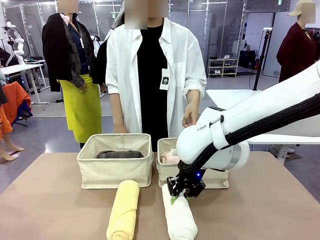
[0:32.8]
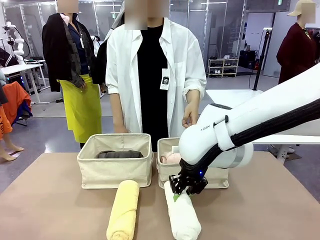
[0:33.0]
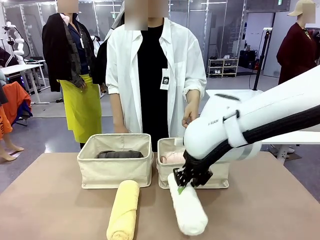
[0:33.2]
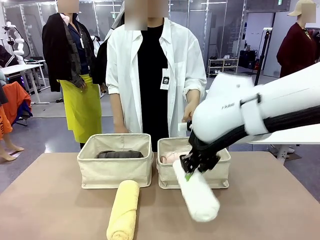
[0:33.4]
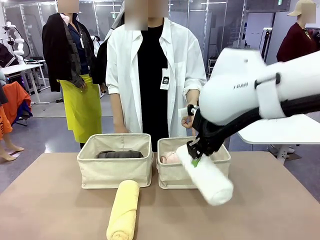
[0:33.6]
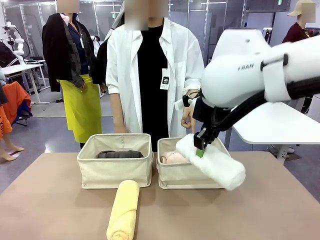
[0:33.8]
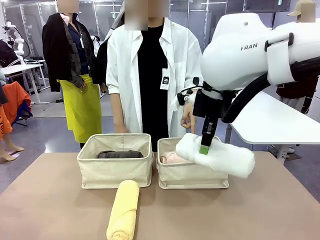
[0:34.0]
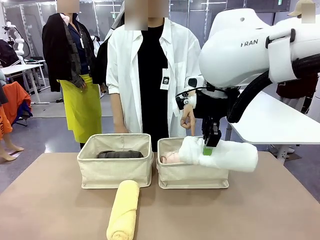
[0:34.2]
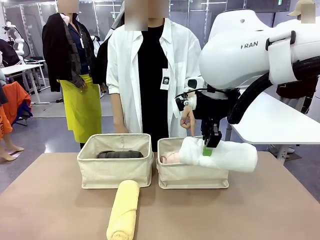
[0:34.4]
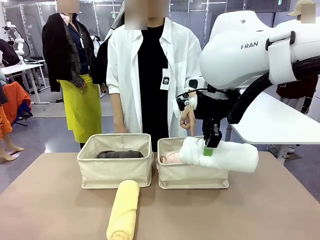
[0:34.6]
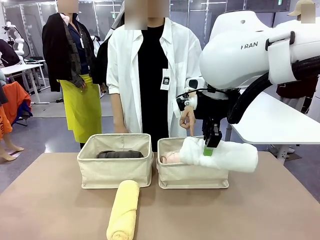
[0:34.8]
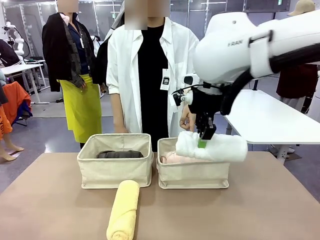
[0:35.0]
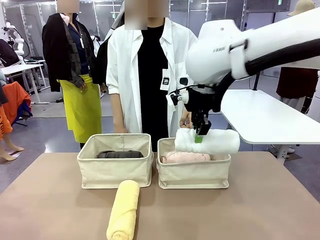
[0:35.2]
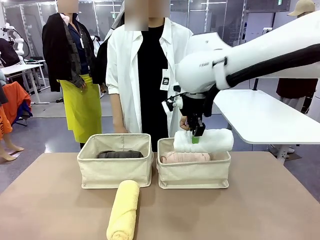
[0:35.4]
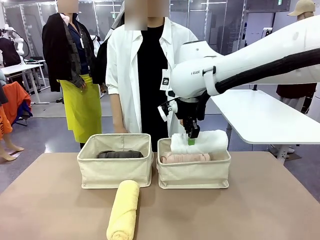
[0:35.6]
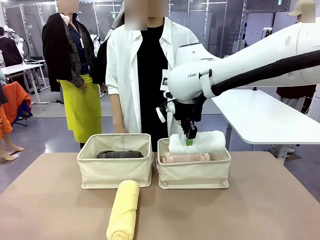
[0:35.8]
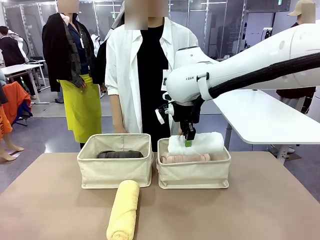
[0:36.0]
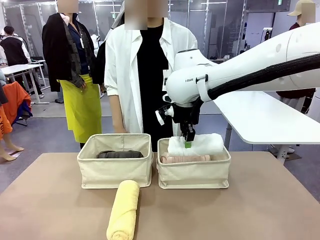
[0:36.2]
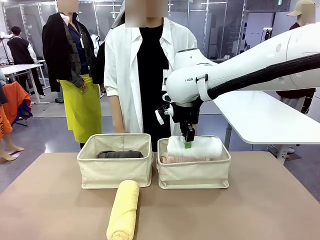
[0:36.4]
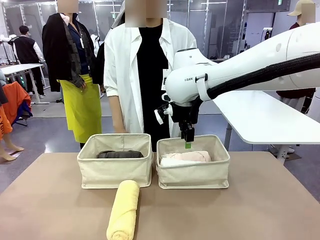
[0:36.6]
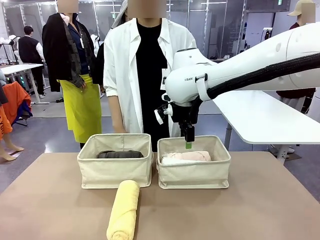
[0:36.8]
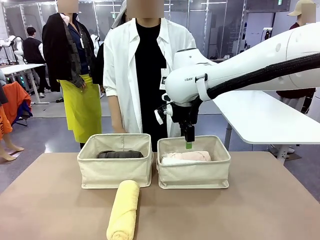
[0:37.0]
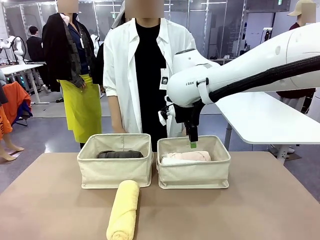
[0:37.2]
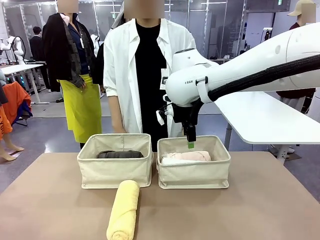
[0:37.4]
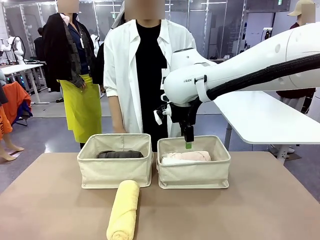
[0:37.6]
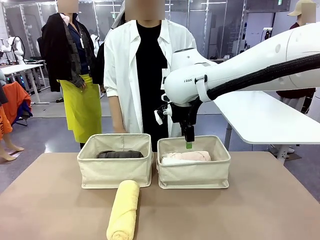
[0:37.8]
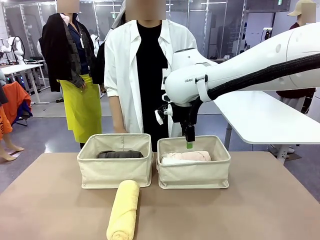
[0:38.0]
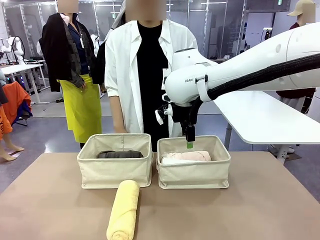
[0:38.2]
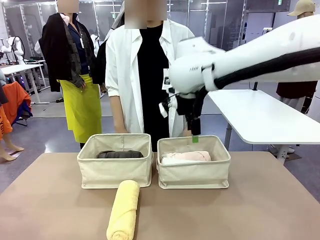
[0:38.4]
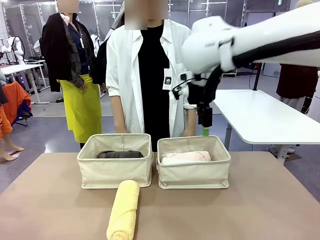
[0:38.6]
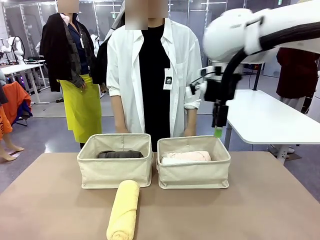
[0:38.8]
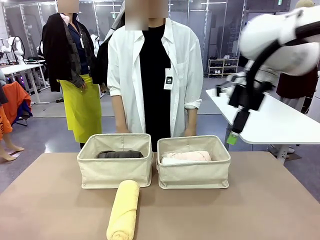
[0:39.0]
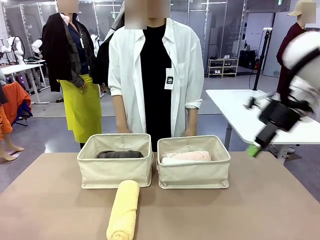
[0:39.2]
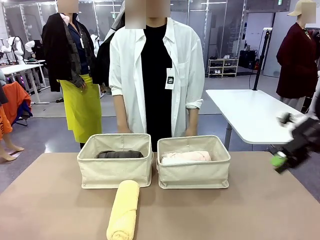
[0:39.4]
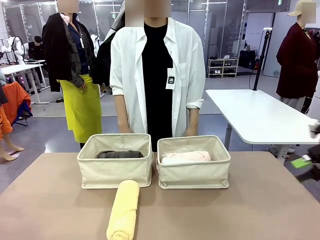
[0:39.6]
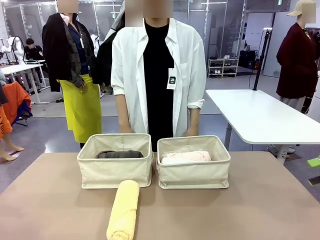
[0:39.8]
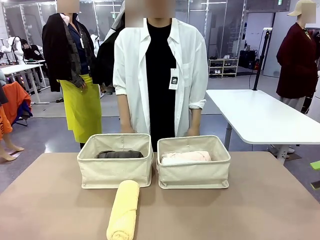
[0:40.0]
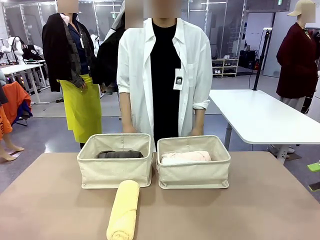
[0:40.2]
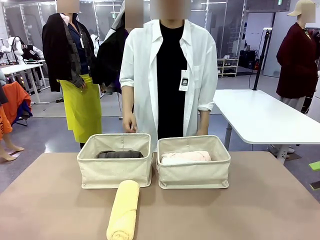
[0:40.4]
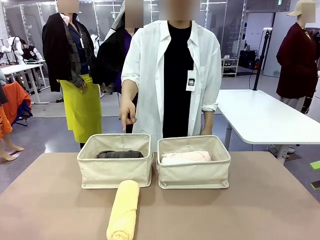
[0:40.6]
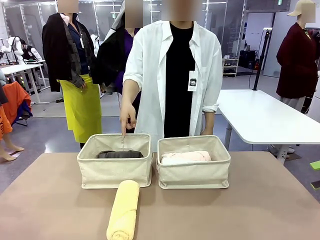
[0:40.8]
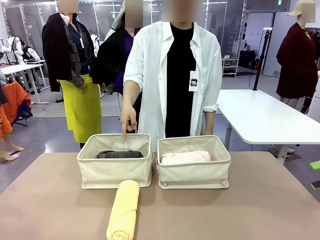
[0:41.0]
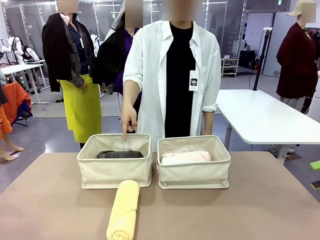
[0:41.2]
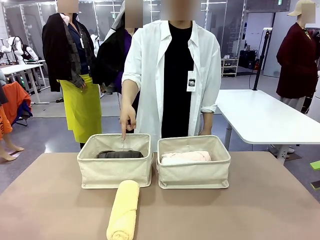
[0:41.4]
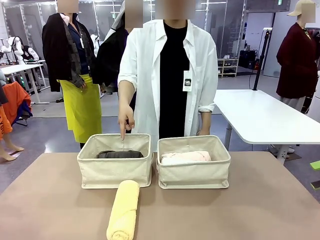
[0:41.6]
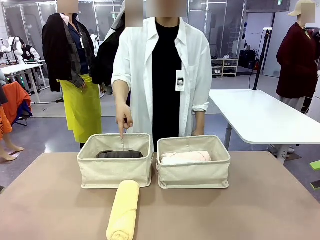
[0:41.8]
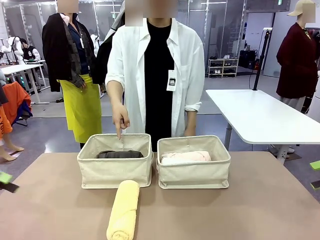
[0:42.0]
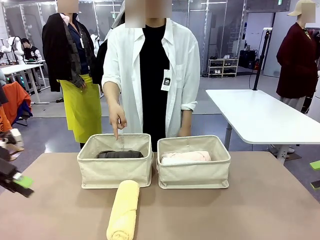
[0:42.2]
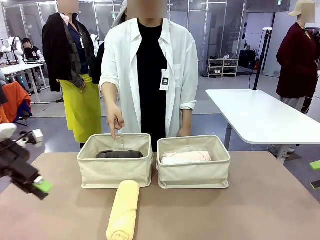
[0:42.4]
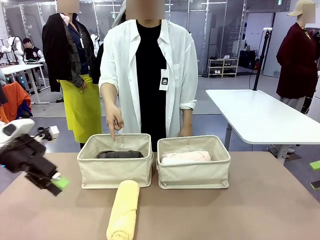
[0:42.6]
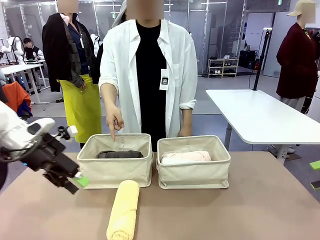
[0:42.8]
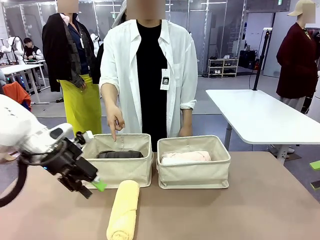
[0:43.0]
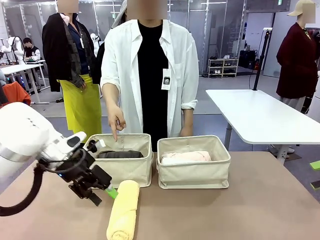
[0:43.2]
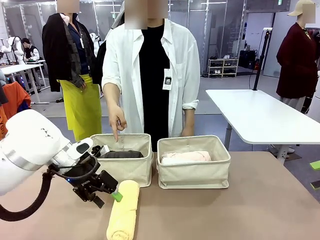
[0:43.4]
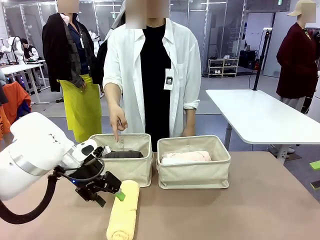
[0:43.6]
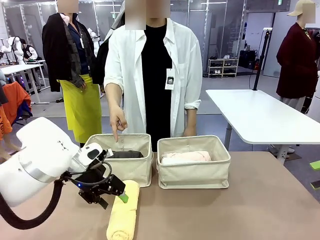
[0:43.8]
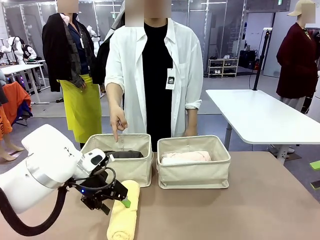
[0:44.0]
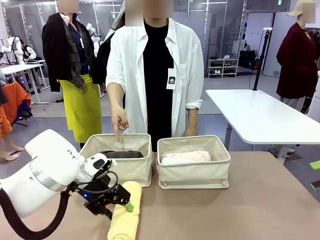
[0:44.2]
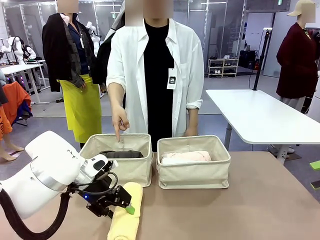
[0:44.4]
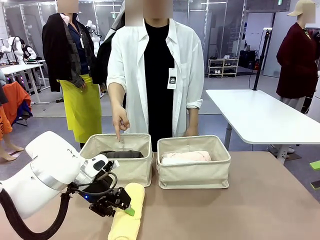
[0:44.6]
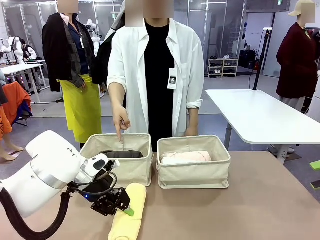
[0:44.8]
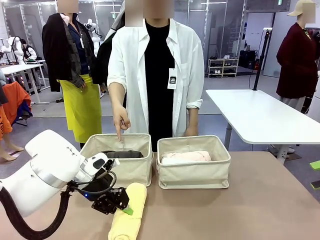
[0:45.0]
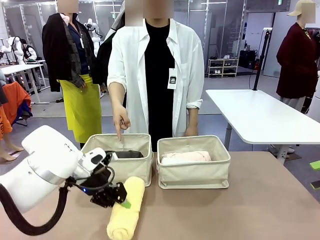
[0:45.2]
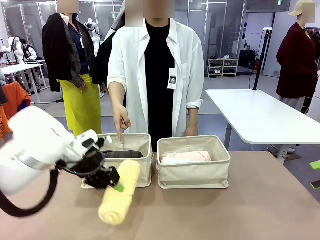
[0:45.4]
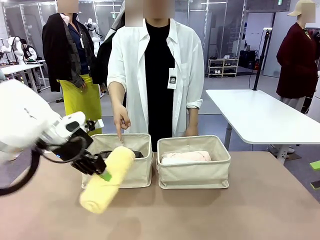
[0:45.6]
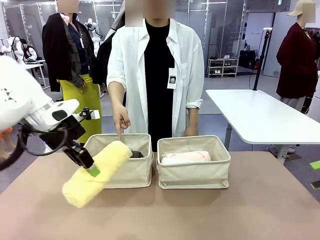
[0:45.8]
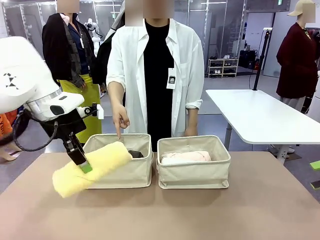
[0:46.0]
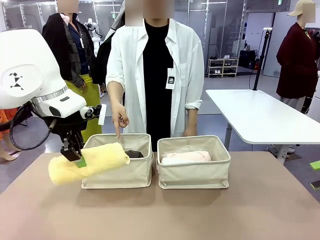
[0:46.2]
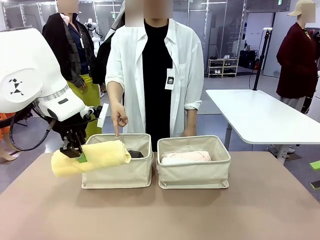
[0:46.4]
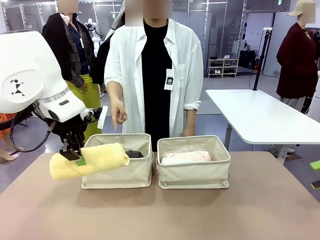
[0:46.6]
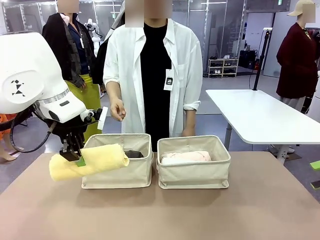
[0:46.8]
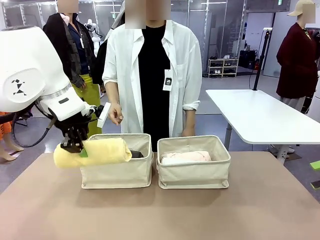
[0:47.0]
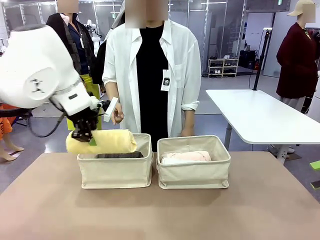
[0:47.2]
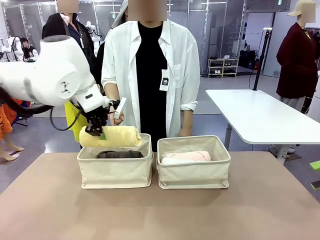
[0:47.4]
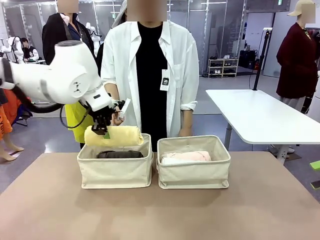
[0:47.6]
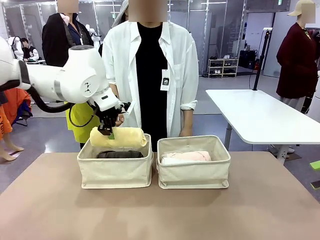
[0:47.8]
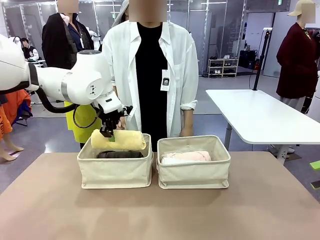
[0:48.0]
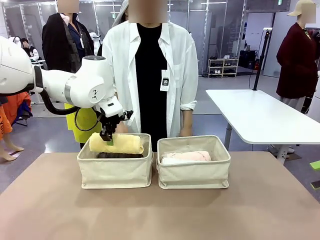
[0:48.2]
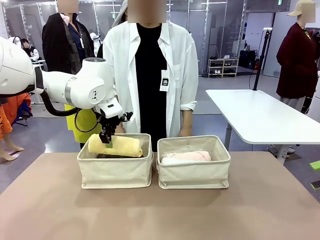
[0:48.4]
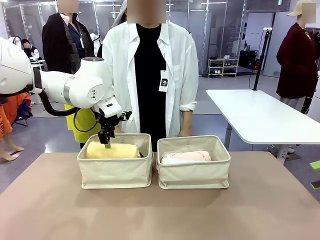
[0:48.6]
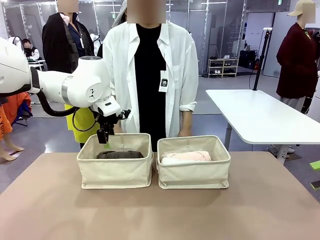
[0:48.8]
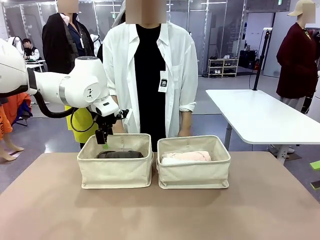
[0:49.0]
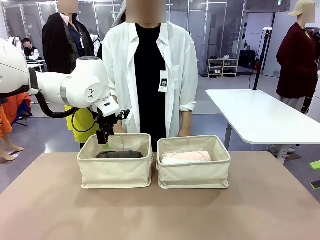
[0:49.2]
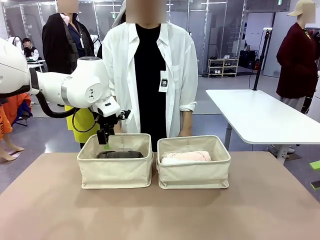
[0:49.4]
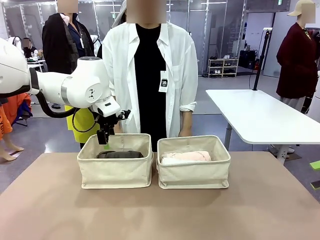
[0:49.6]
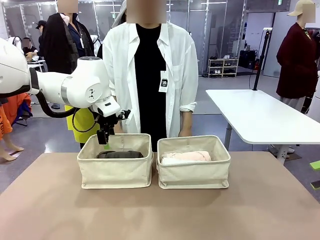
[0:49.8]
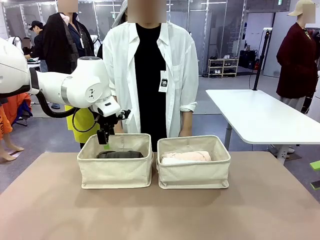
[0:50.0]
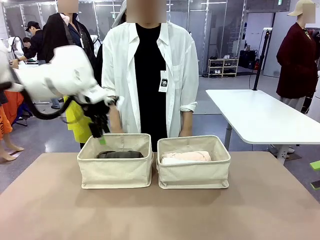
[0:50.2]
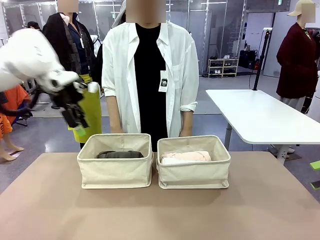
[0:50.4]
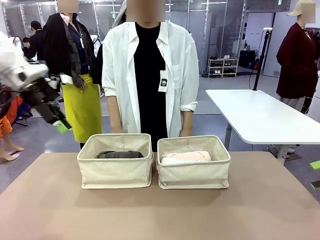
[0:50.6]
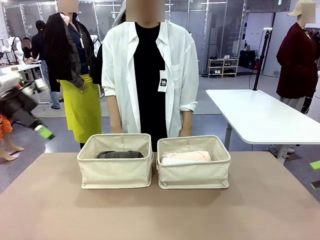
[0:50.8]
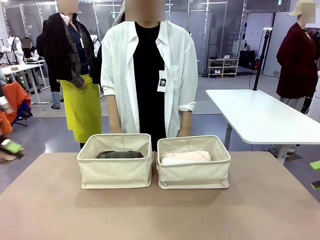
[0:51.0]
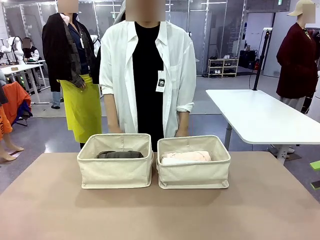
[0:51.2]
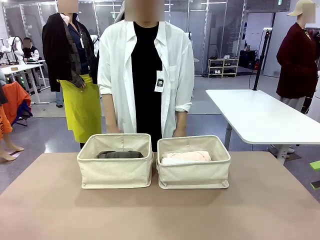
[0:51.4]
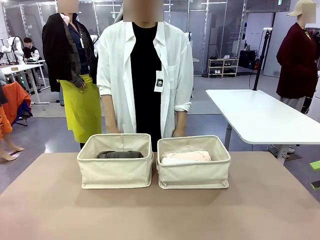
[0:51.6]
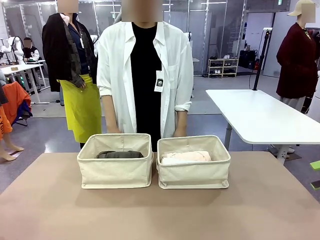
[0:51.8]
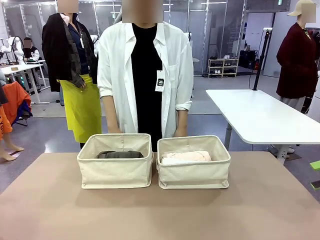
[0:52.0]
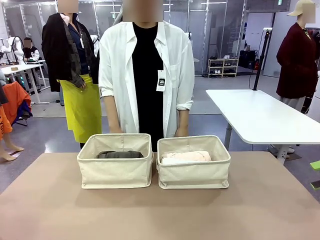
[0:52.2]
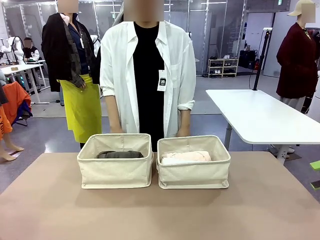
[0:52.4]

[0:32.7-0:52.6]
Task: Divide the towels into two baskets.
Robot: Pick up one hotel-folded towel from the bottom of the table and place it in the Fabric basket indicated by the person.
